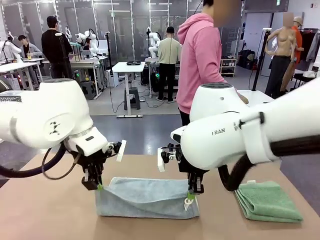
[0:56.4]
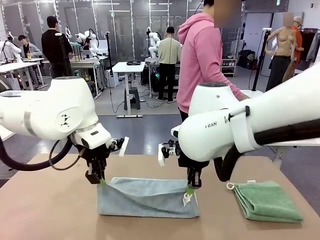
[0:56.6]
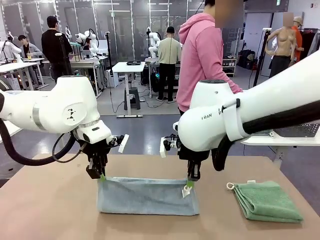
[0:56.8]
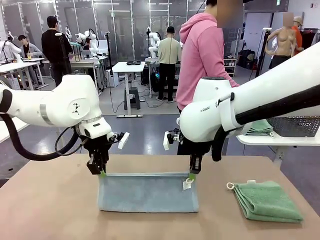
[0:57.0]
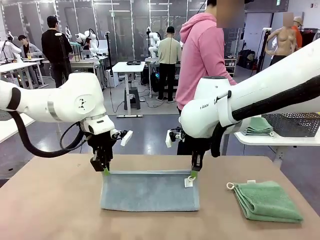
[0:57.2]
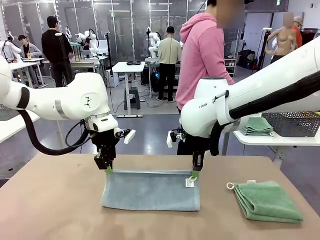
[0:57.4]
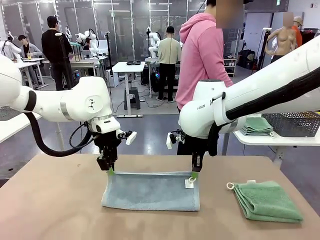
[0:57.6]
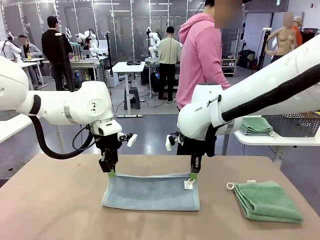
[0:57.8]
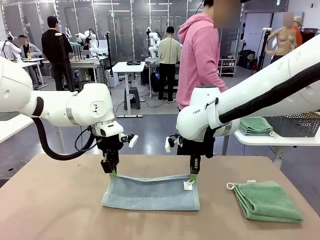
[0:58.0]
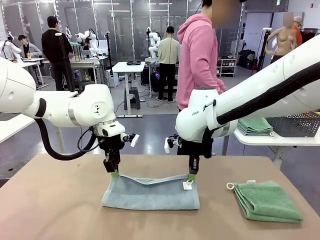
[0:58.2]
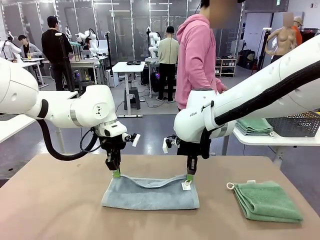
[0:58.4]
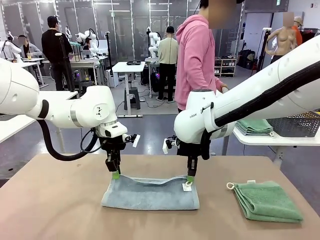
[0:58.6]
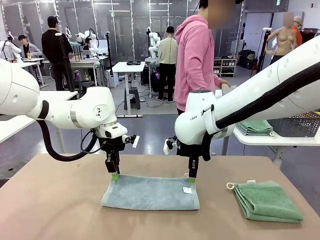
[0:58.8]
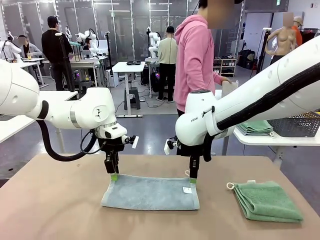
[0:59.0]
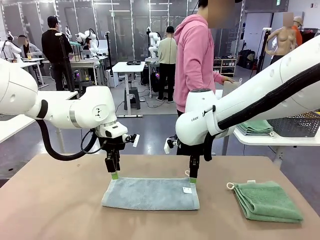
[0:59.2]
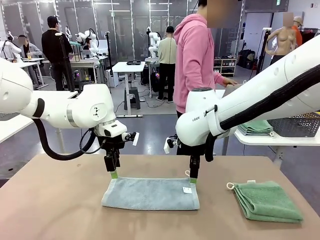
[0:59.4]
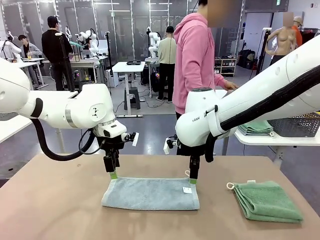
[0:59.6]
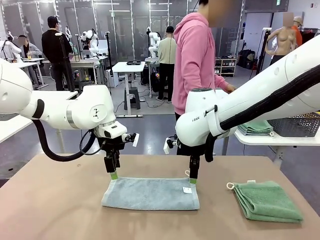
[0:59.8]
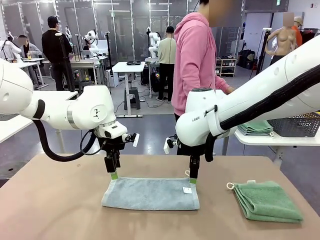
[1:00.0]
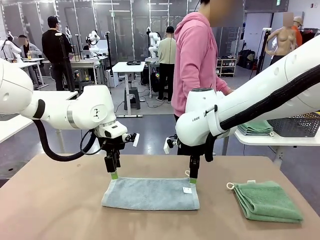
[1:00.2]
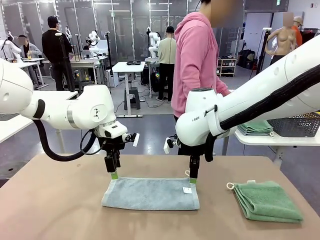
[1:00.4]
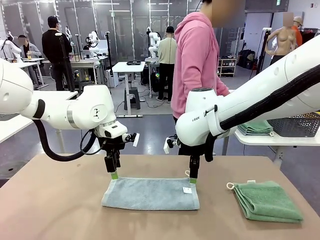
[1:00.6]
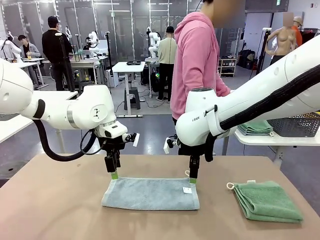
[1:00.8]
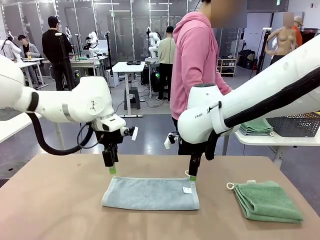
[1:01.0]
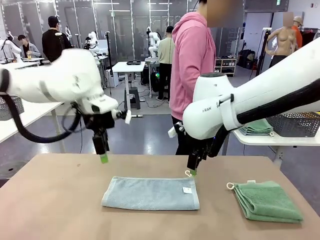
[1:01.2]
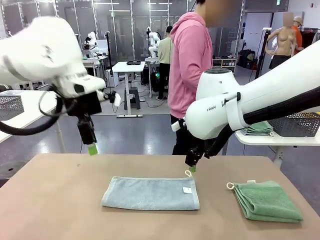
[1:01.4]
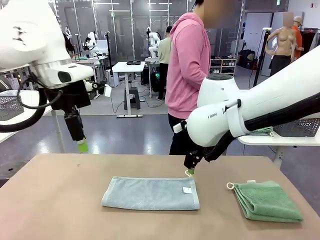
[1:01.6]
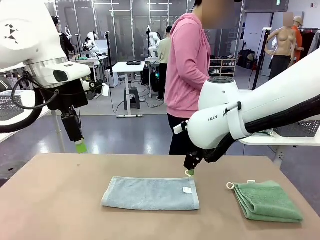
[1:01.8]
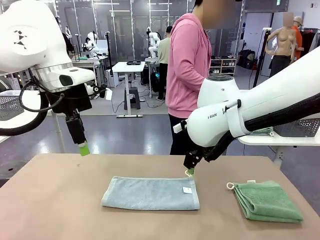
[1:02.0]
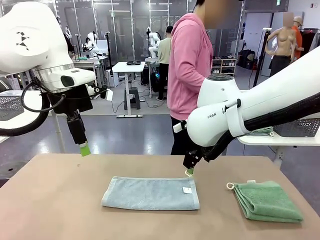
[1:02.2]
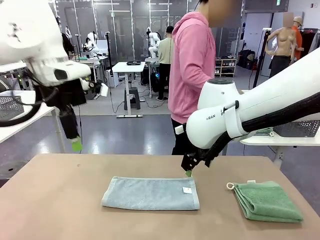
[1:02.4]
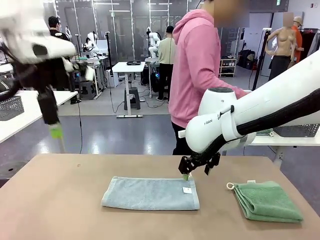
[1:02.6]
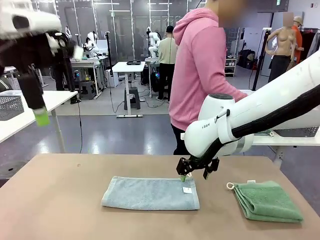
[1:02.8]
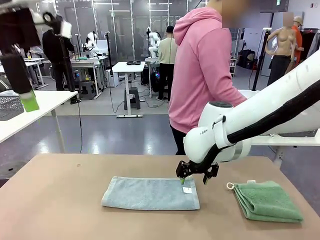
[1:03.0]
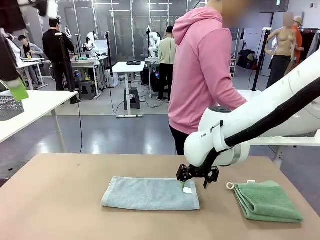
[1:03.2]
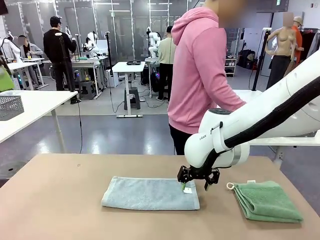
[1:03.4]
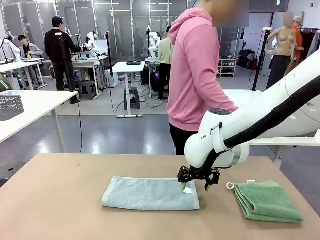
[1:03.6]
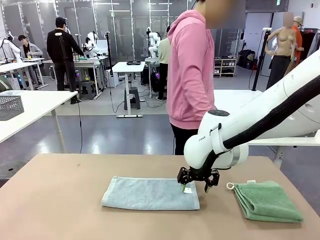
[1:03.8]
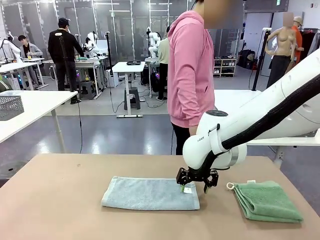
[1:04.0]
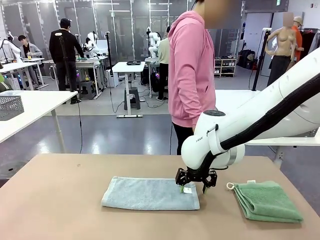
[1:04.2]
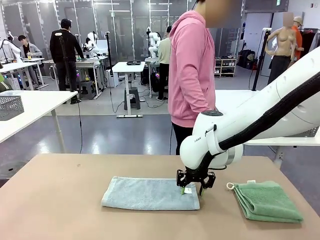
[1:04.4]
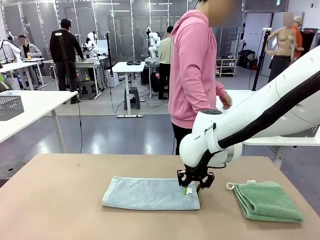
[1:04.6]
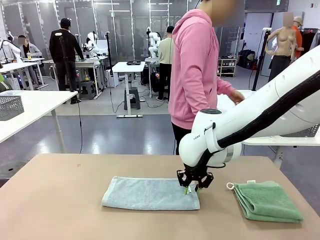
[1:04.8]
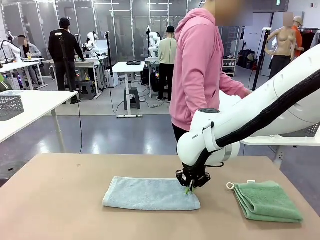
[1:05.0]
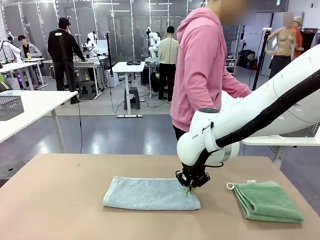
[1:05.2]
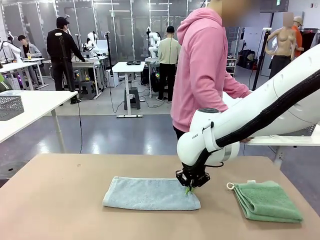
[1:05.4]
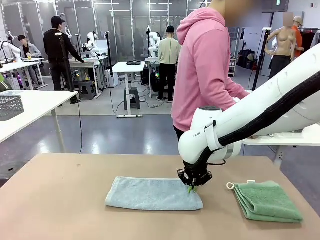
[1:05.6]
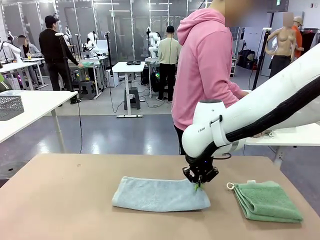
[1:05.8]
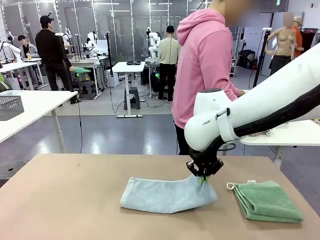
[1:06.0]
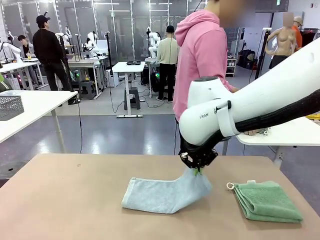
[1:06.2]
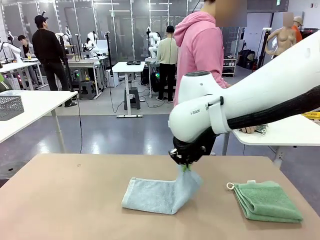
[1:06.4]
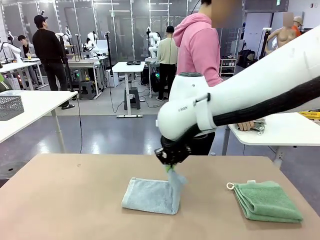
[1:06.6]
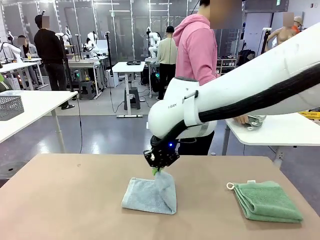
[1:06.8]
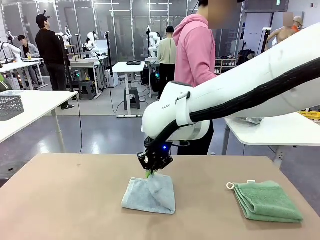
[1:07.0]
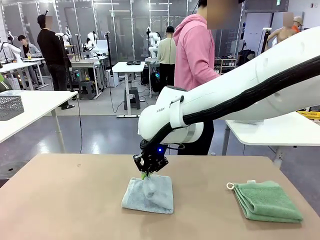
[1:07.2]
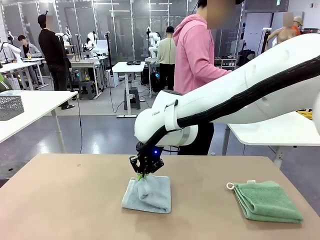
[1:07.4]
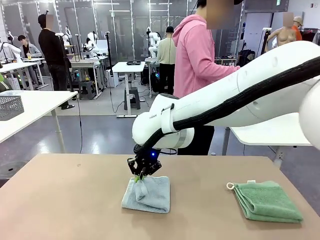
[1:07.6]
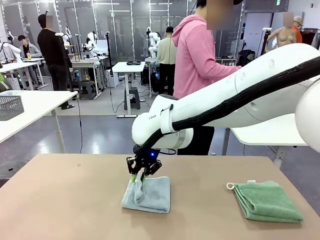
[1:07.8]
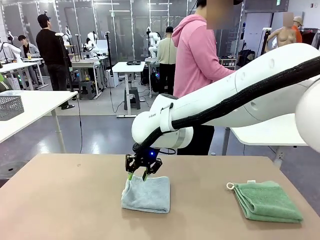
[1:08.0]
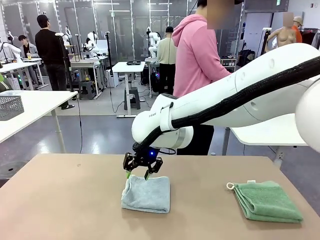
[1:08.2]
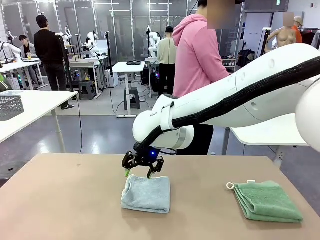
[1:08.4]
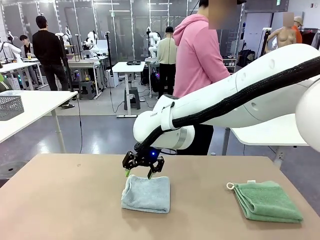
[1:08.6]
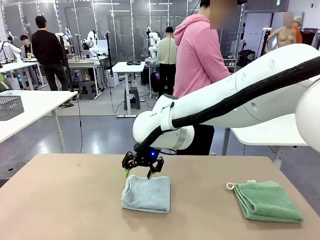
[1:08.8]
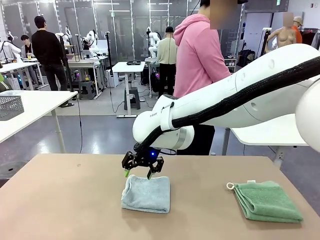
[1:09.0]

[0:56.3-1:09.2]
Task: Fold the towels and place them in the basket.
Robot: When a person lays out a Towel with hook on the table, fold it in half twice.
Person: Pick up the stack of towels from the right side of the human table, place it into the basket, and put the basket at the center of the table.
